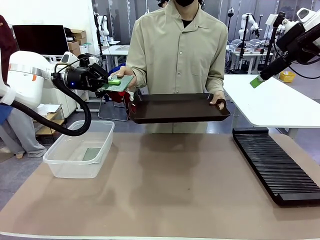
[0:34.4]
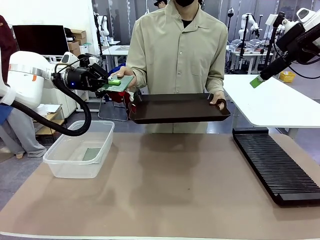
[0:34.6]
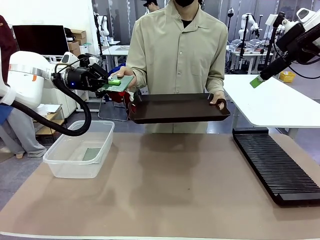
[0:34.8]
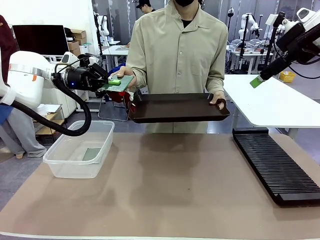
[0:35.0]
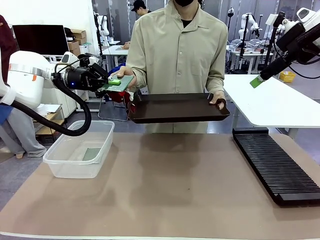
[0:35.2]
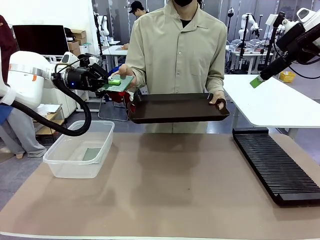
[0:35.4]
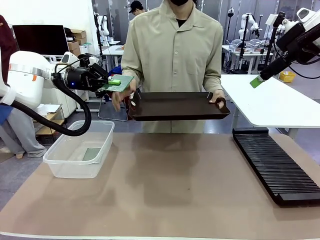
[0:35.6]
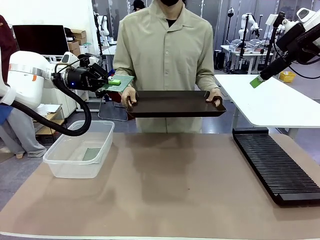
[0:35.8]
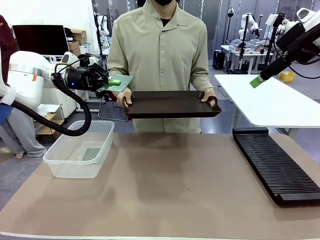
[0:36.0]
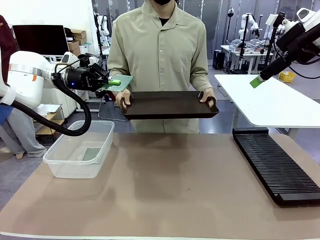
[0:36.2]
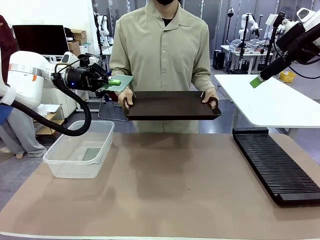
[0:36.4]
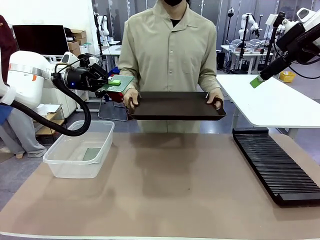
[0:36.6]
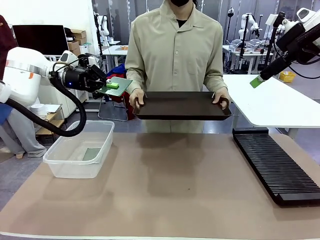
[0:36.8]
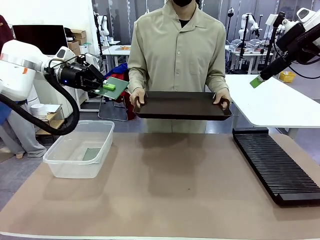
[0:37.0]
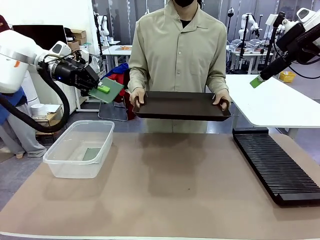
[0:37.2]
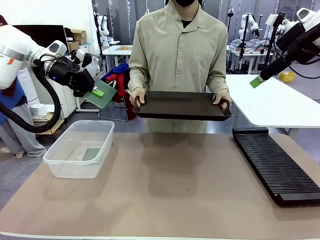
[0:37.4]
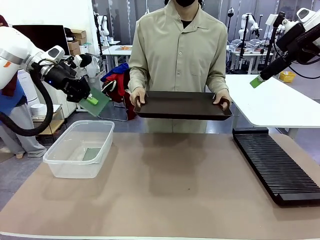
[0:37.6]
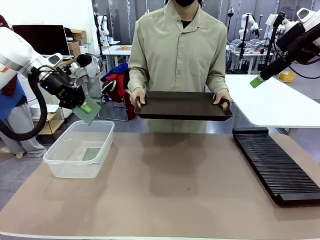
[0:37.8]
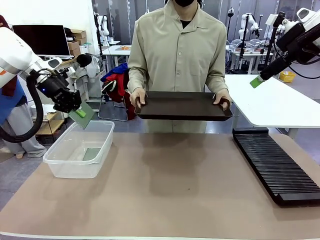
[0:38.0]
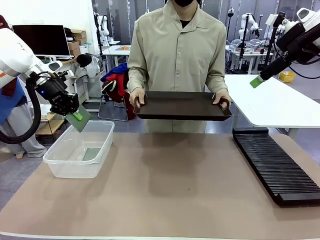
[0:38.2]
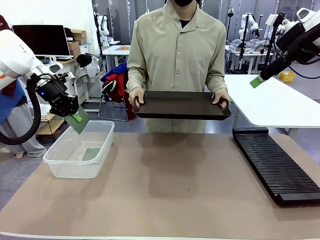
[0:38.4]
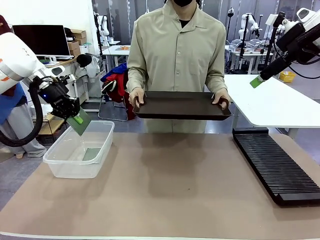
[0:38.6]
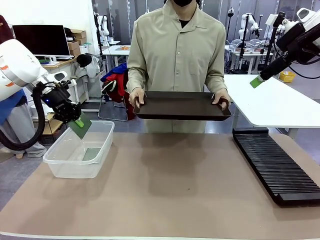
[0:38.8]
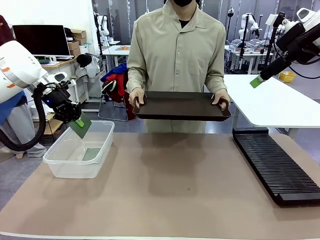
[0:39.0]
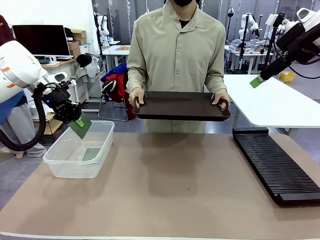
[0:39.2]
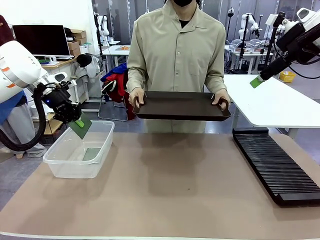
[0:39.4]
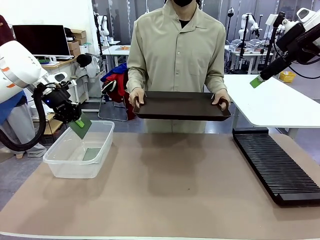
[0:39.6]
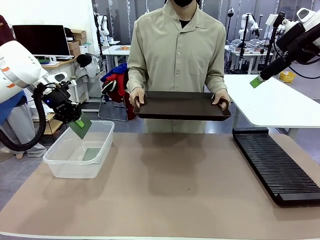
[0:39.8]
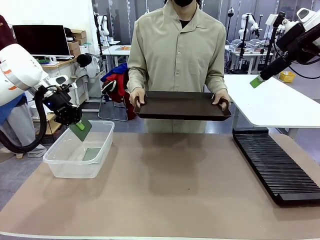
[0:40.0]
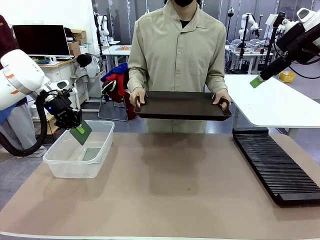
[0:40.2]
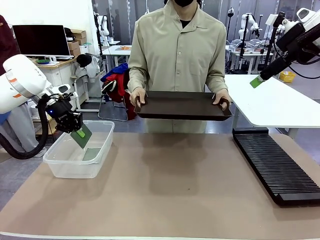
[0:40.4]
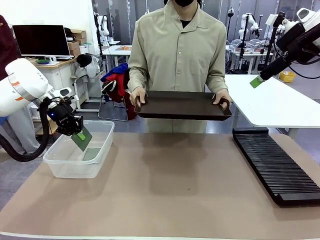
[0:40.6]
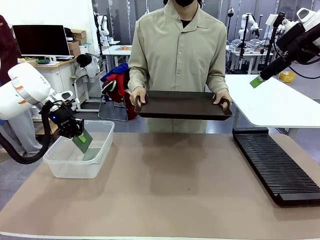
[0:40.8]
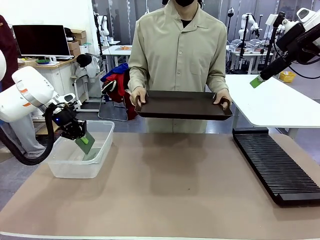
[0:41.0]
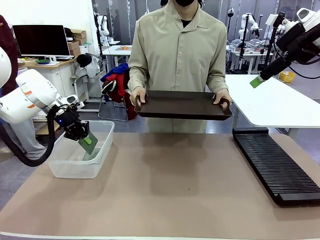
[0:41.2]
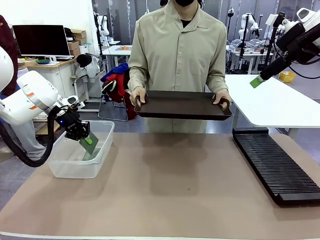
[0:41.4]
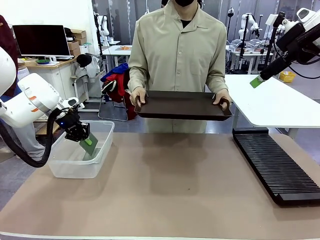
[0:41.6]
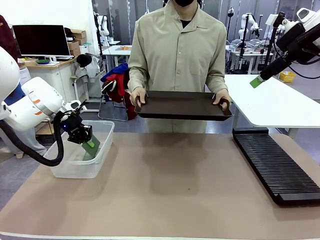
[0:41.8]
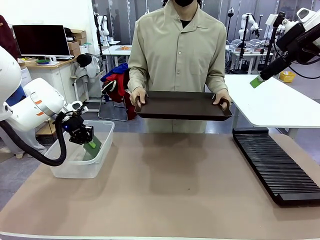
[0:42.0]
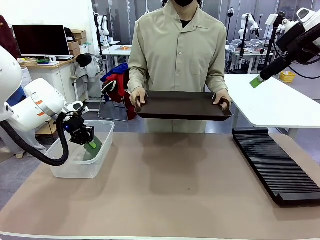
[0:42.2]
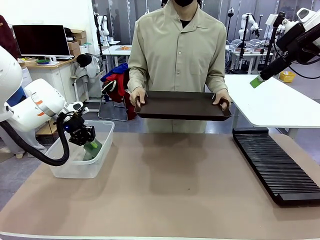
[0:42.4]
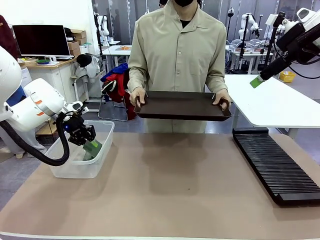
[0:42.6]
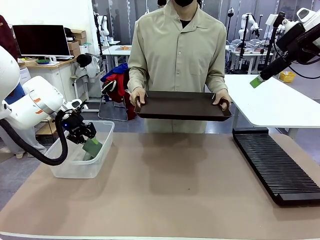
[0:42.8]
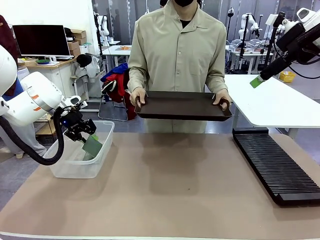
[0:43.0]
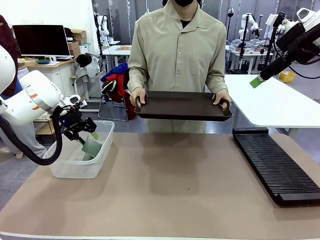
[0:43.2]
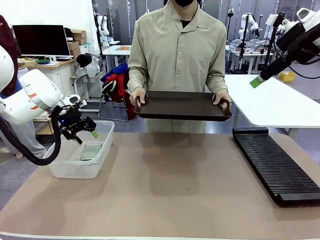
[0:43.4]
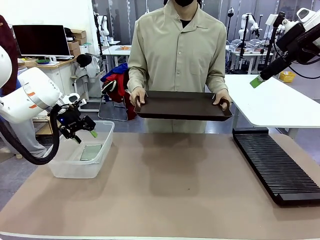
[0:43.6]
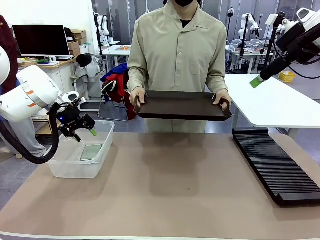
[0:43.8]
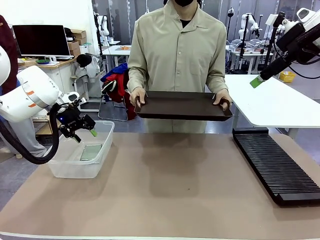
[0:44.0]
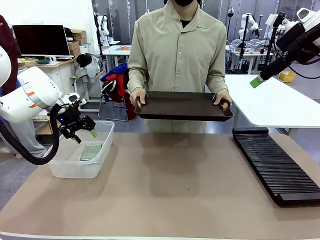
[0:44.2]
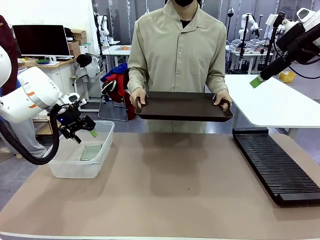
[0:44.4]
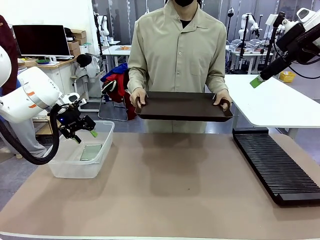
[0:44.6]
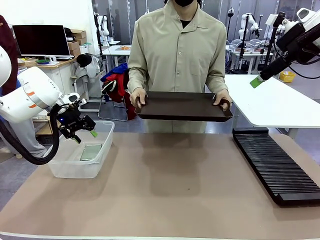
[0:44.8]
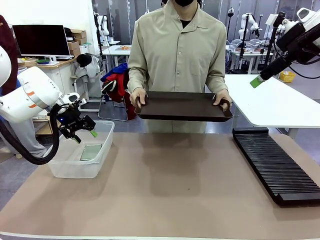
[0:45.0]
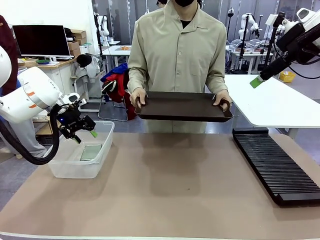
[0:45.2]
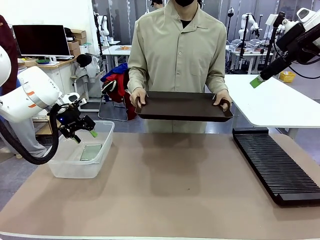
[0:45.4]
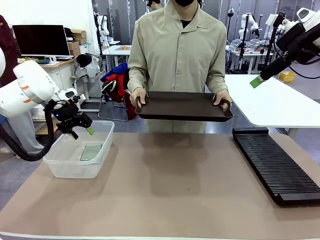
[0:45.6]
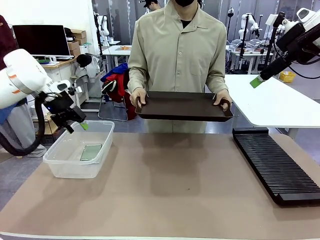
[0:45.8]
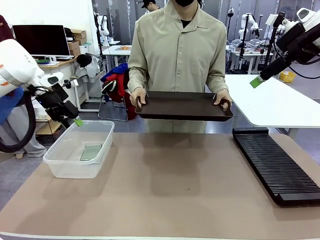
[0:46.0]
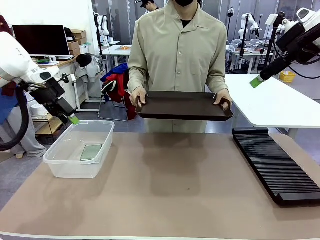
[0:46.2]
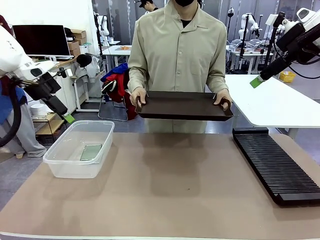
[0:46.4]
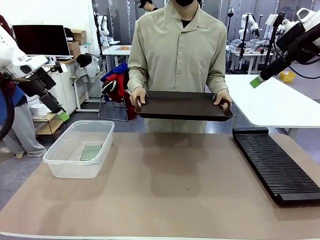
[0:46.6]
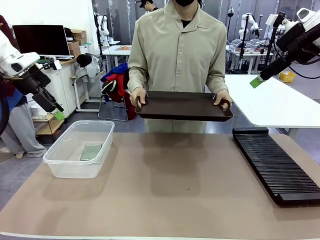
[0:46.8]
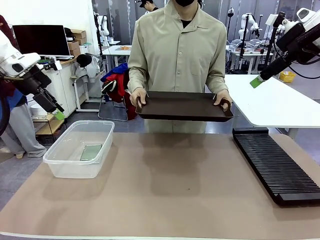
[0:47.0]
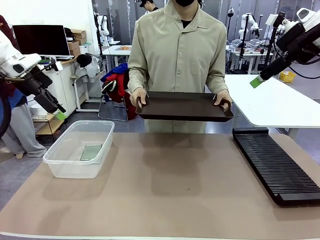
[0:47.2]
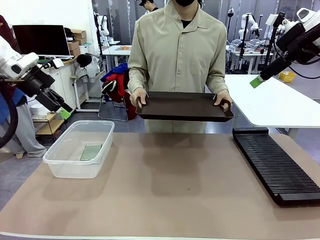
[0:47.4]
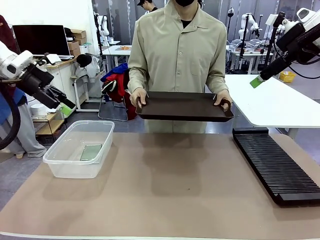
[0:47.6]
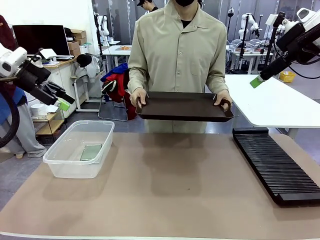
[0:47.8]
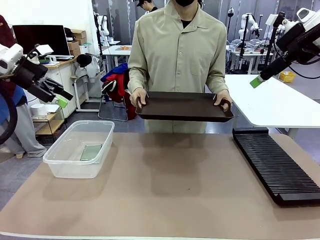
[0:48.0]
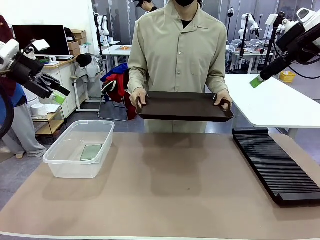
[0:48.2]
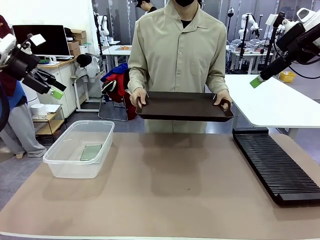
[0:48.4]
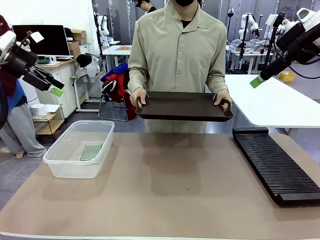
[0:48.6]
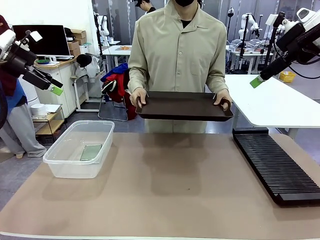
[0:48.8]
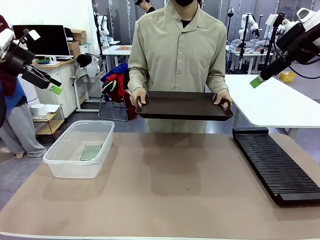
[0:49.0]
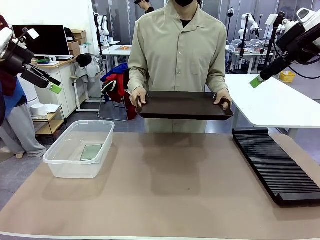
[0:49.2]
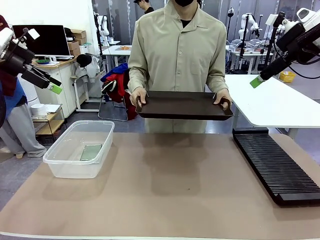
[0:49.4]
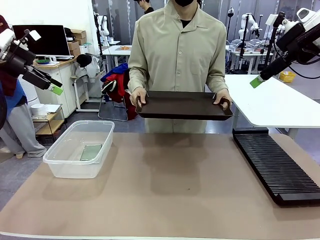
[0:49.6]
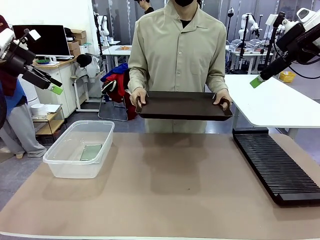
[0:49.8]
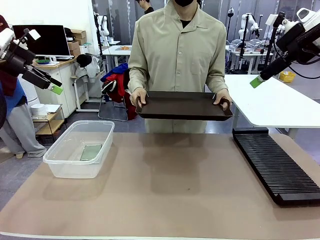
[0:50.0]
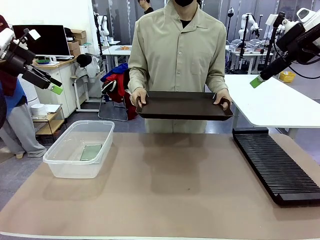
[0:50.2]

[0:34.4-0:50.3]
Task: Sort PCBs into racks and boxes based on the side picked up.
Robot: If the short side of the Blank PCB is picked up, insert it into the PCB Rack ; if the long side is picked up, place it in the Organizing box.
Person: Release the PCB being held.
